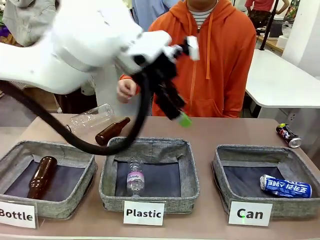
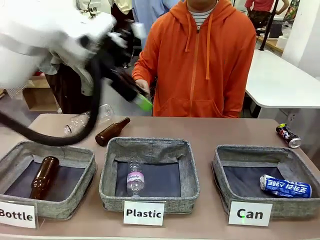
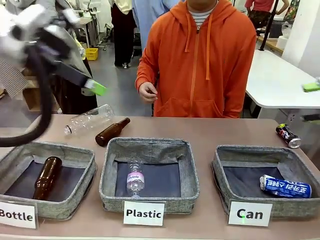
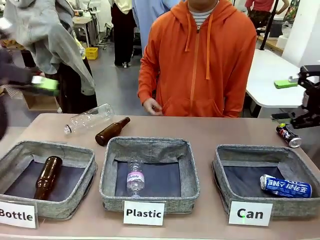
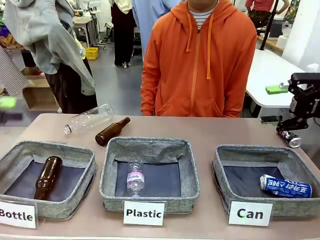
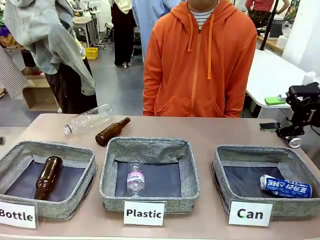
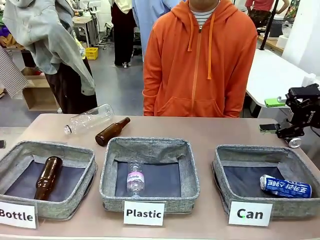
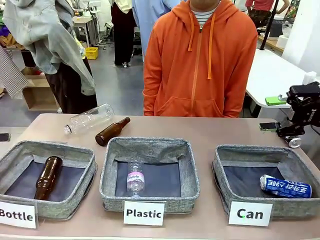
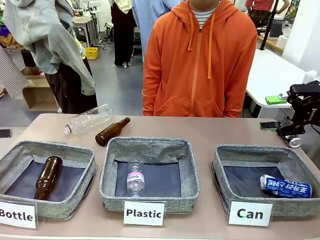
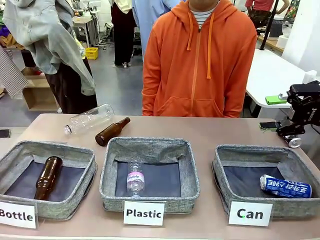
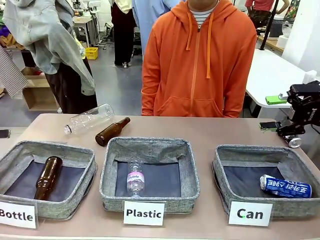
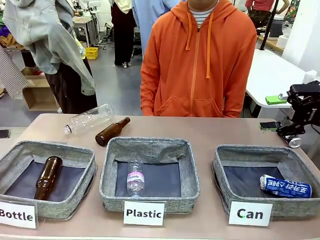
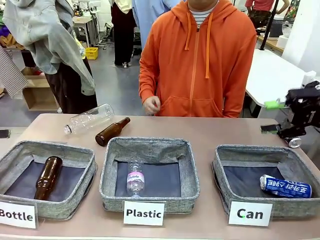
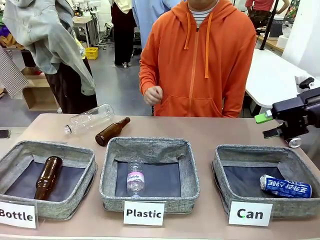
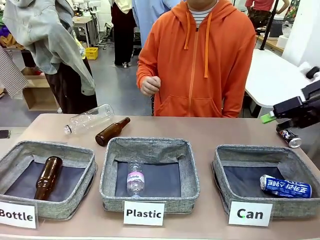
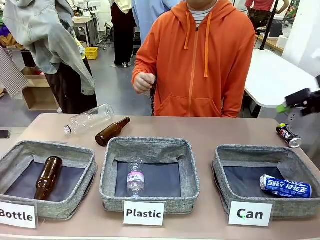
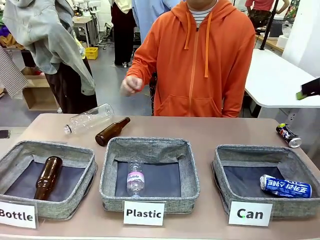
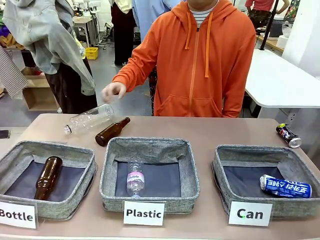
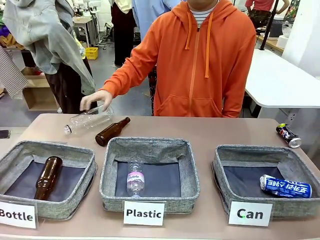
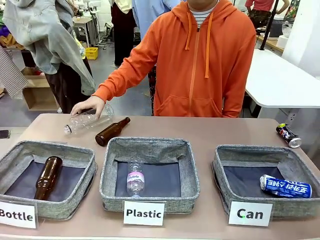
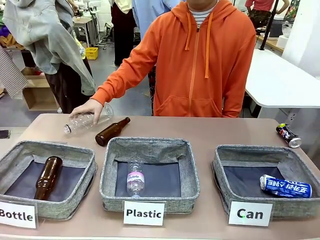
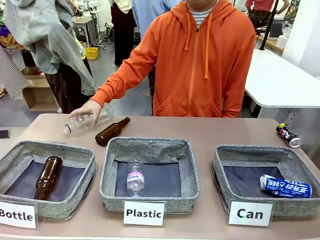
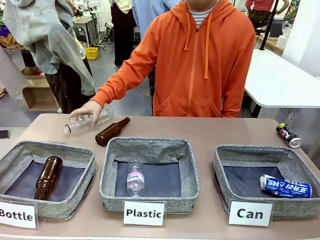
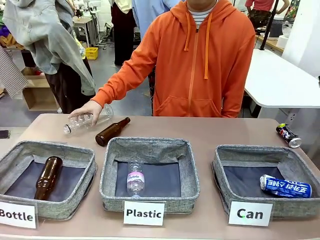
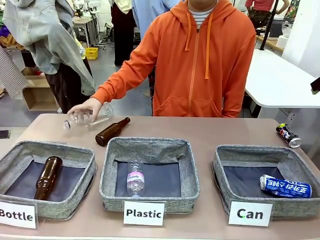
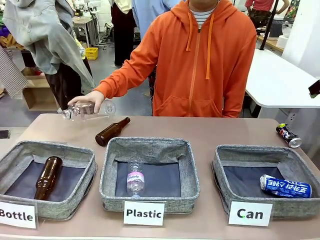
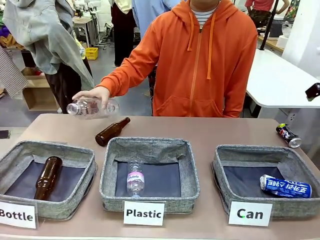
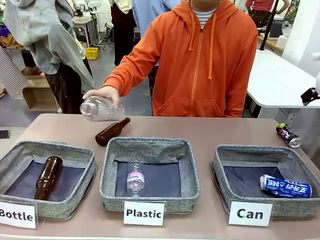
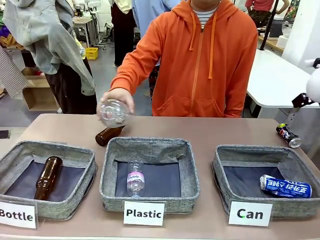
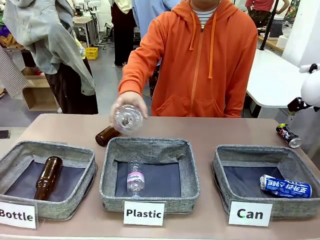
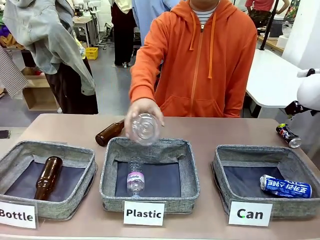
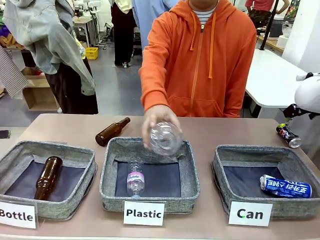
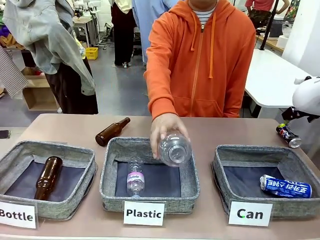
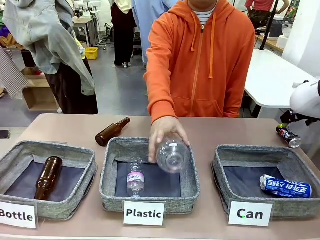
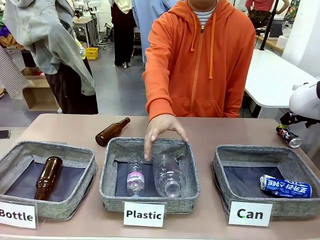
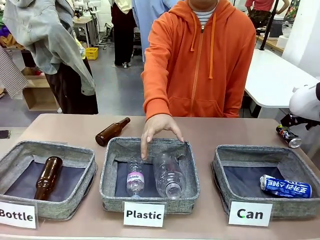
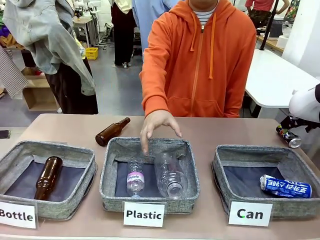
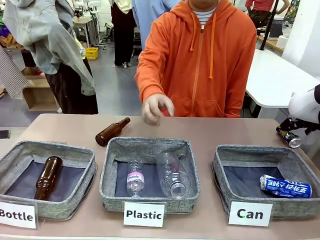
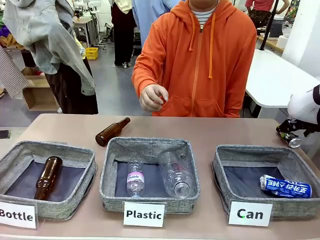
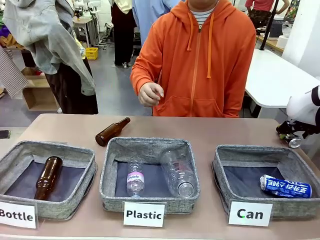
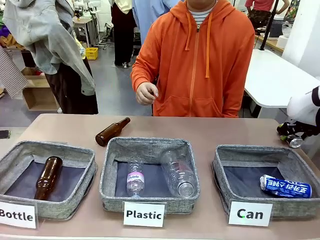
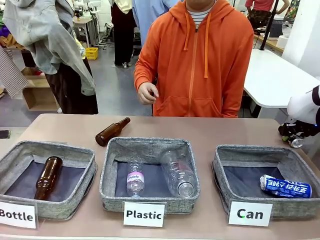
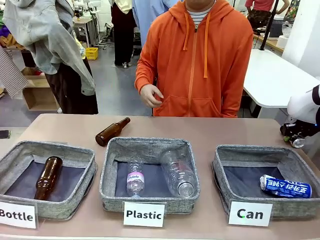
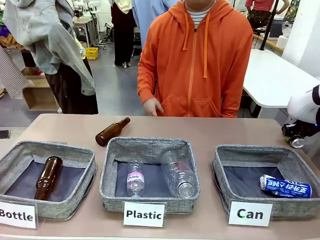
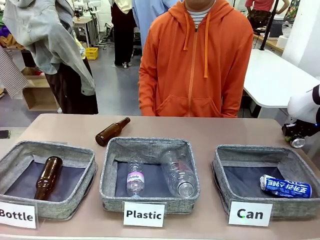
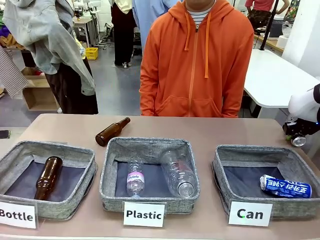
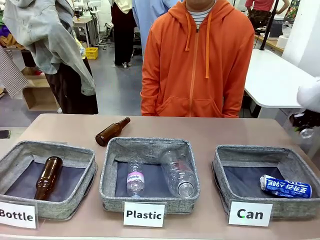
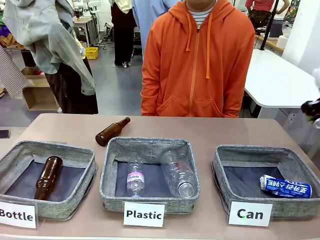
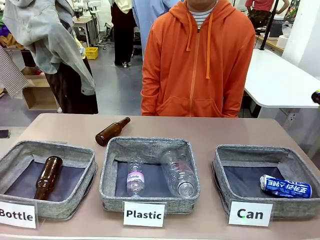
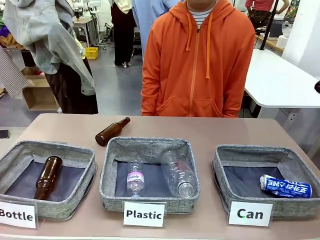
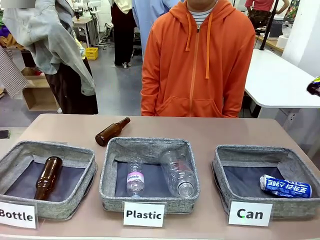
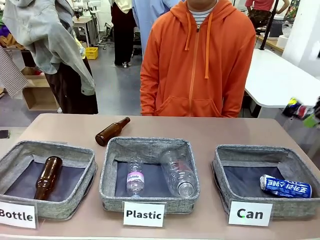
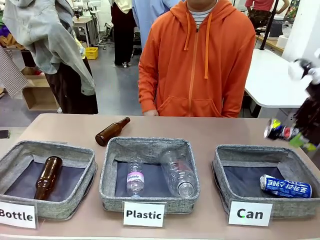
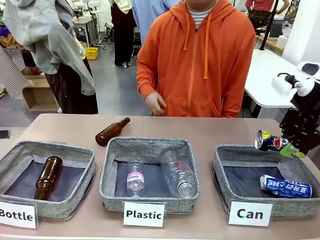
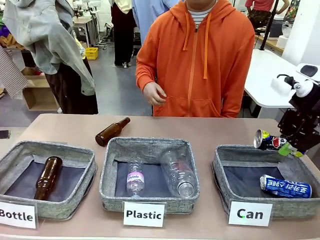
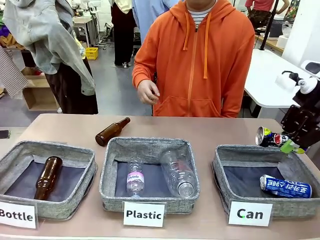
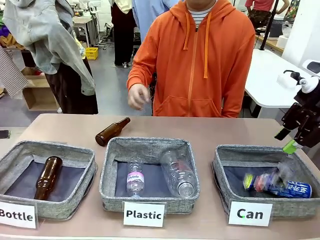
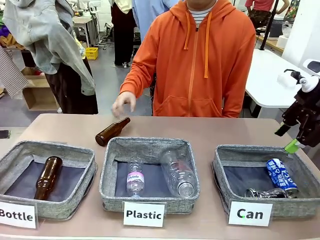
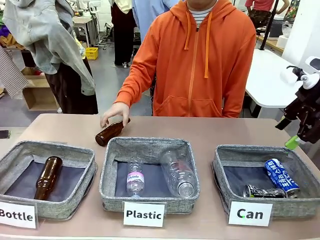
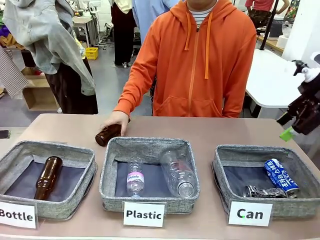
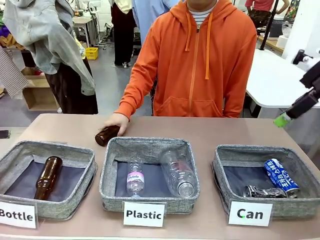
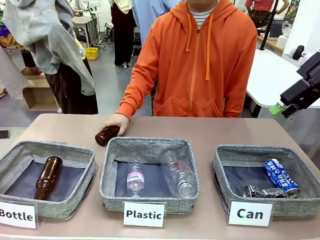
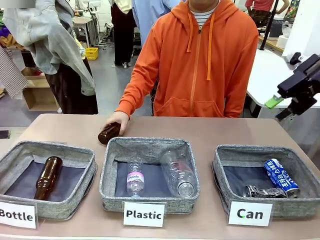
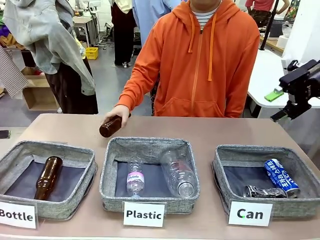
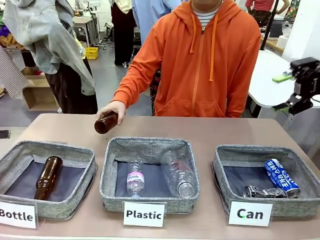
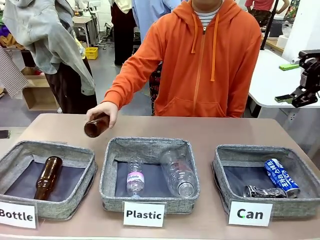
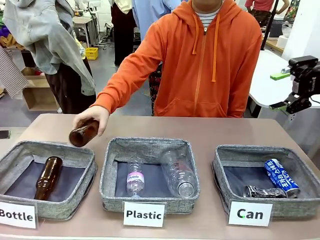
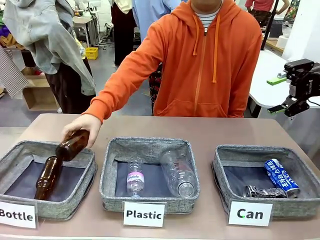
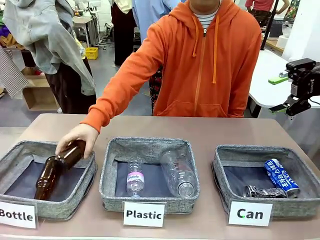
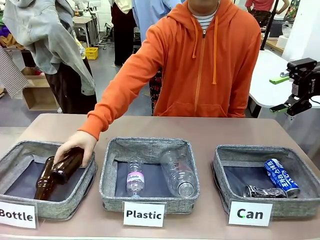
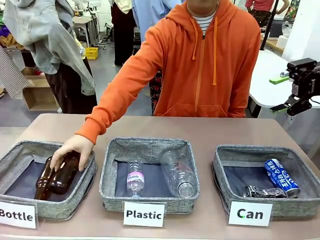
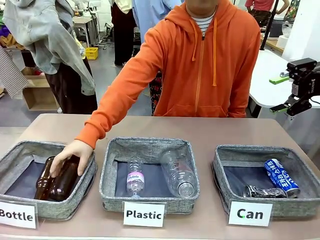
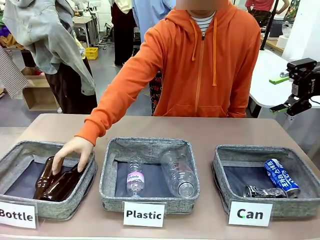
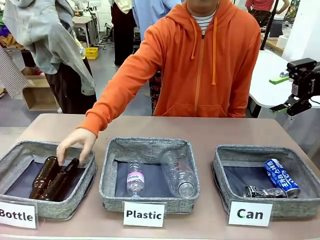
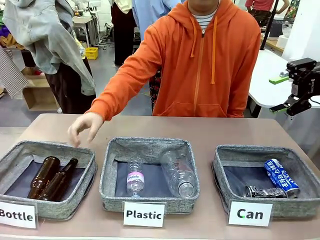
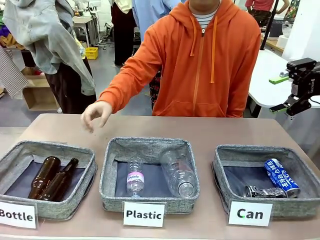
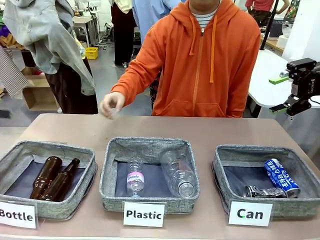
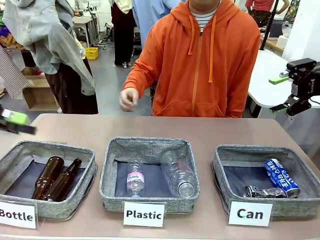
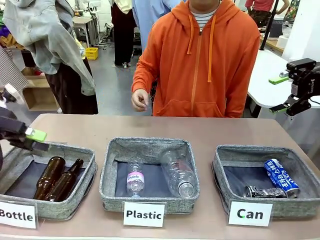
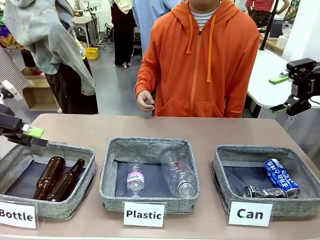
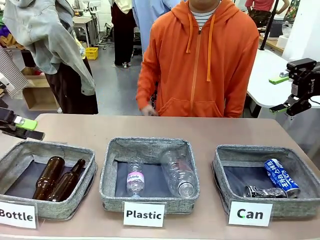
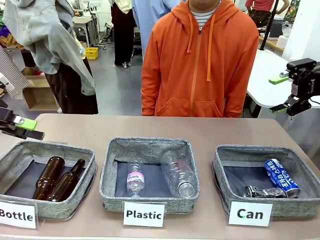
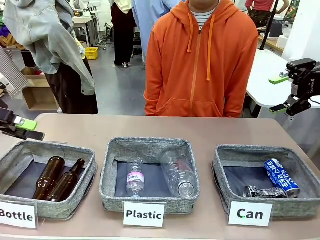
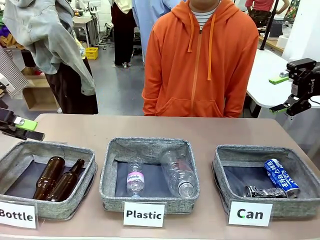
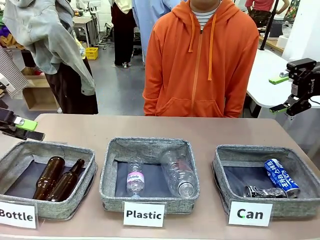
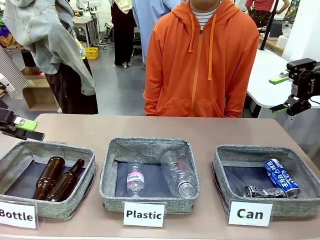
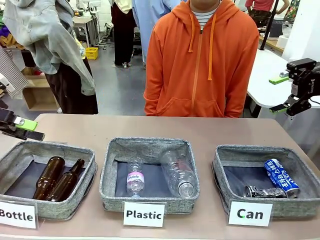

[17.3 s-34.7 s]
Task: Sort the can waste into the basket.
Robot: Pick up the can waste from the table and place it in the right Fabric basket.
Person: The human picks up one piece of trash that is not a can and places the trash into the appropriate organizing basket.
